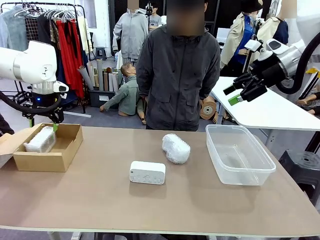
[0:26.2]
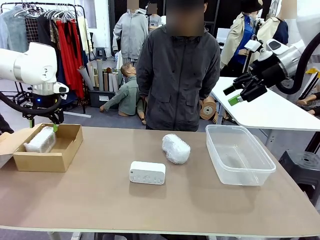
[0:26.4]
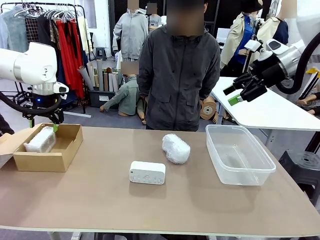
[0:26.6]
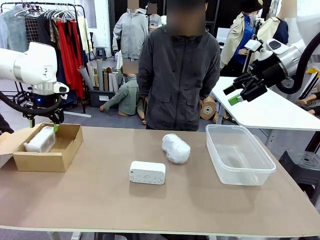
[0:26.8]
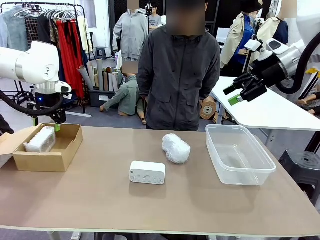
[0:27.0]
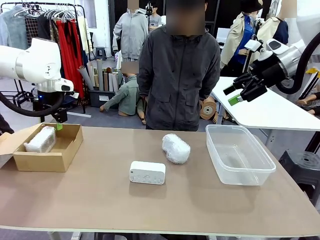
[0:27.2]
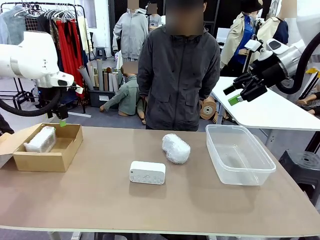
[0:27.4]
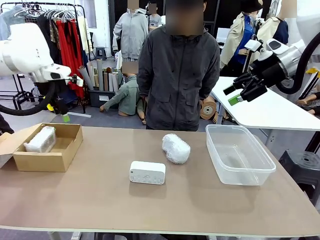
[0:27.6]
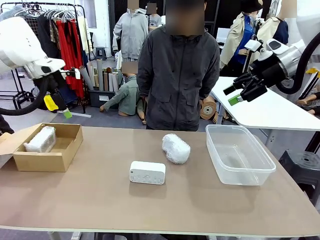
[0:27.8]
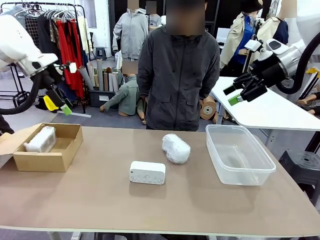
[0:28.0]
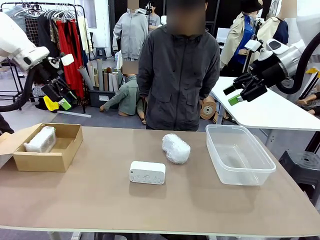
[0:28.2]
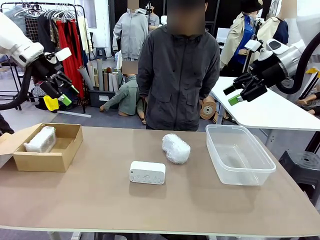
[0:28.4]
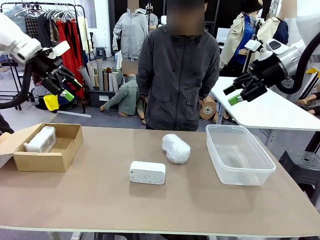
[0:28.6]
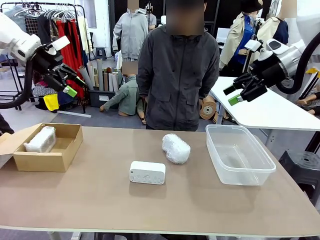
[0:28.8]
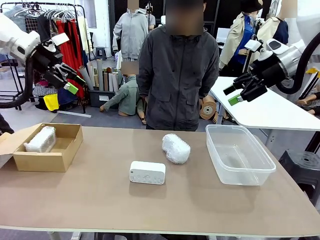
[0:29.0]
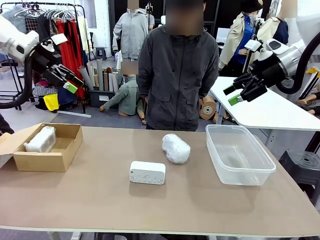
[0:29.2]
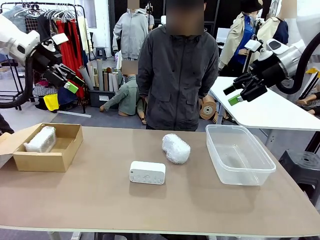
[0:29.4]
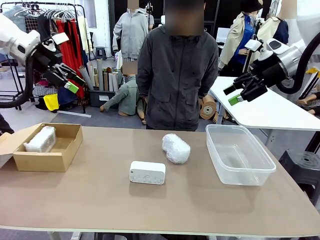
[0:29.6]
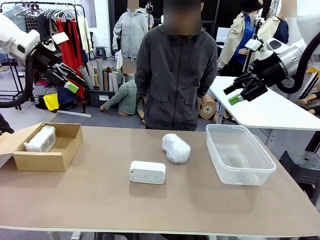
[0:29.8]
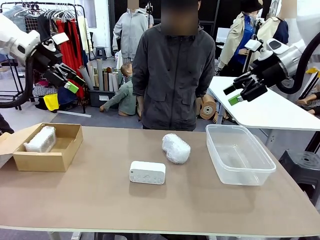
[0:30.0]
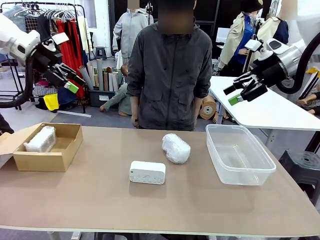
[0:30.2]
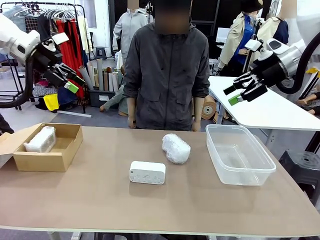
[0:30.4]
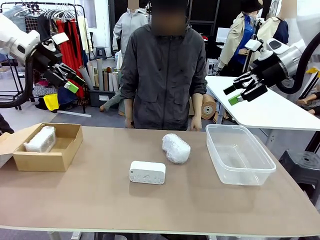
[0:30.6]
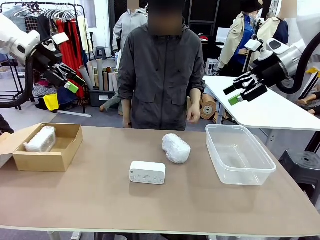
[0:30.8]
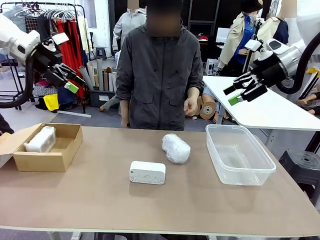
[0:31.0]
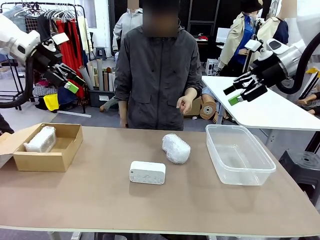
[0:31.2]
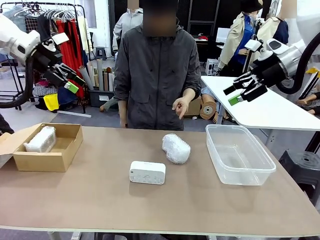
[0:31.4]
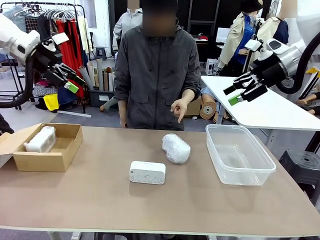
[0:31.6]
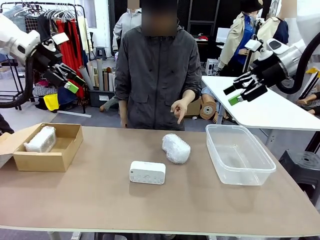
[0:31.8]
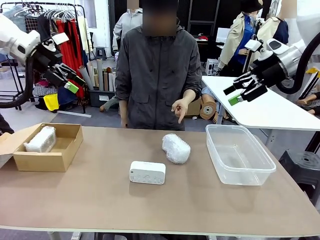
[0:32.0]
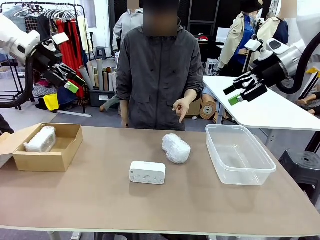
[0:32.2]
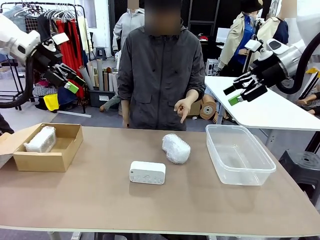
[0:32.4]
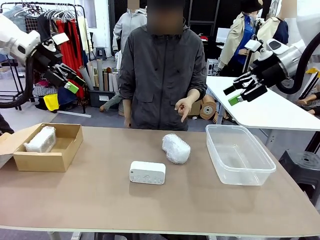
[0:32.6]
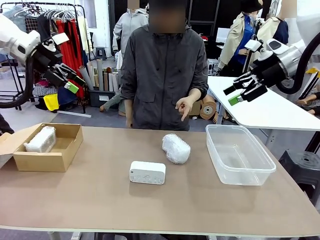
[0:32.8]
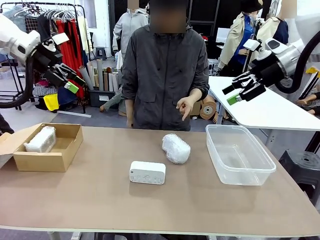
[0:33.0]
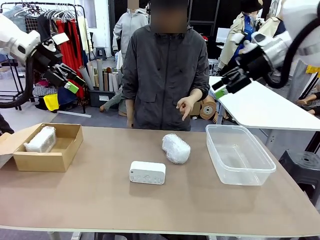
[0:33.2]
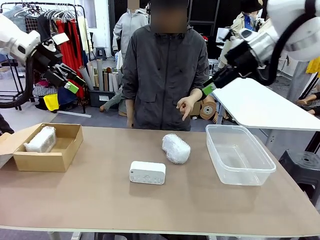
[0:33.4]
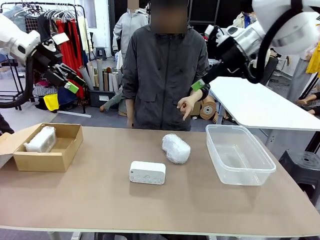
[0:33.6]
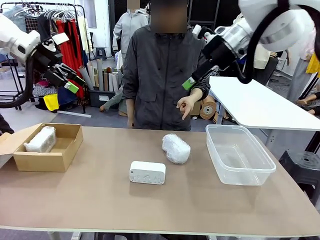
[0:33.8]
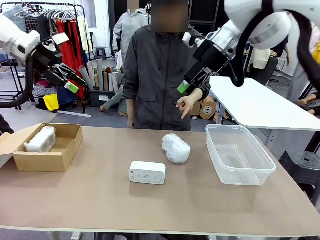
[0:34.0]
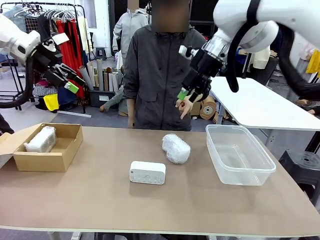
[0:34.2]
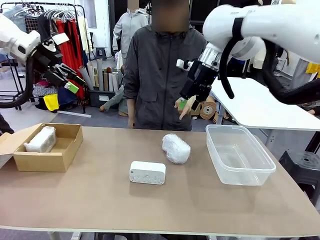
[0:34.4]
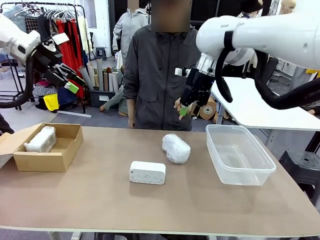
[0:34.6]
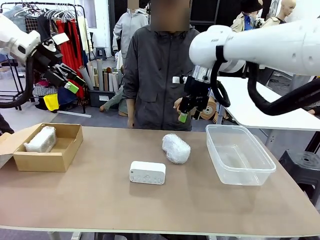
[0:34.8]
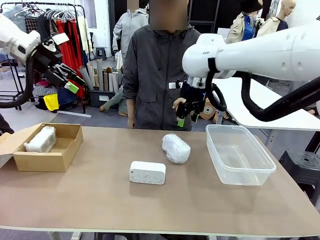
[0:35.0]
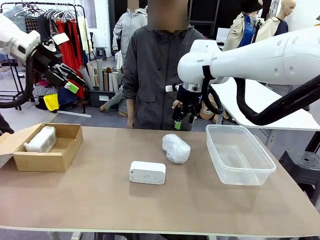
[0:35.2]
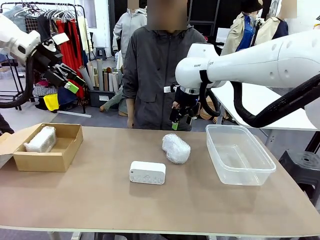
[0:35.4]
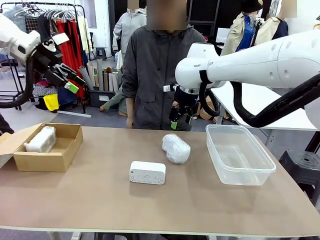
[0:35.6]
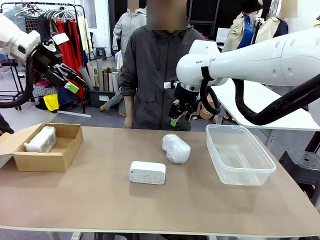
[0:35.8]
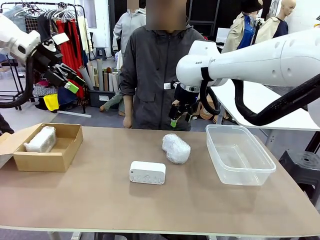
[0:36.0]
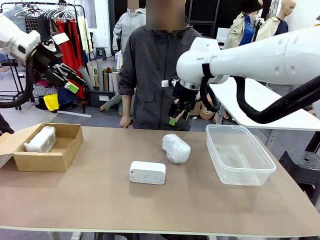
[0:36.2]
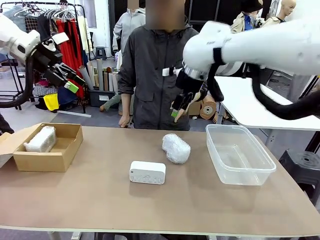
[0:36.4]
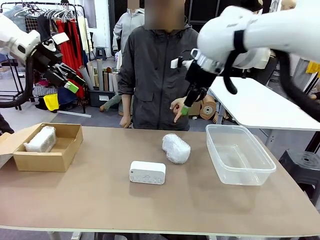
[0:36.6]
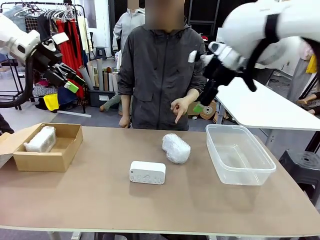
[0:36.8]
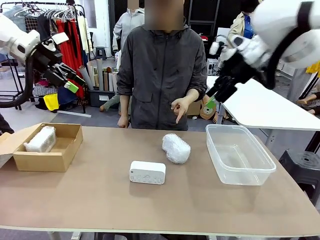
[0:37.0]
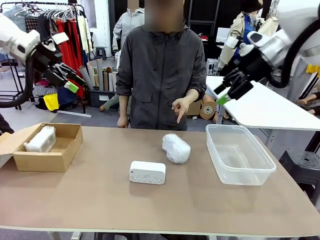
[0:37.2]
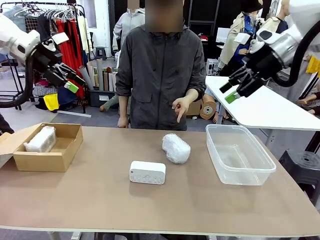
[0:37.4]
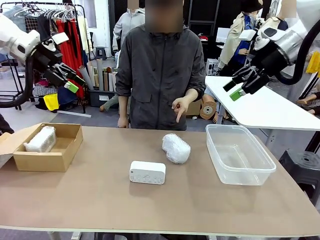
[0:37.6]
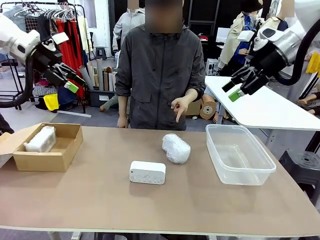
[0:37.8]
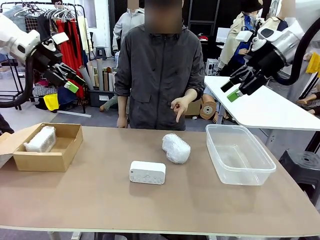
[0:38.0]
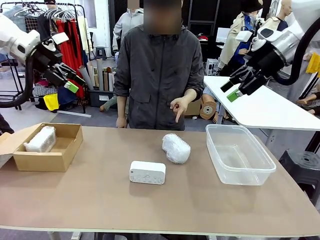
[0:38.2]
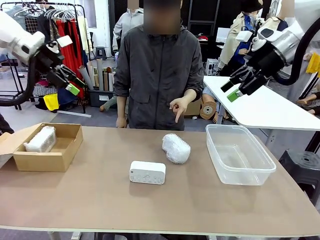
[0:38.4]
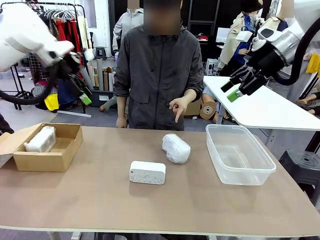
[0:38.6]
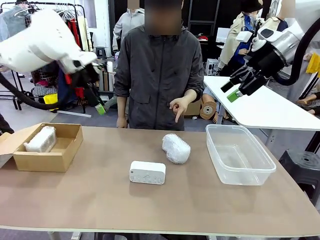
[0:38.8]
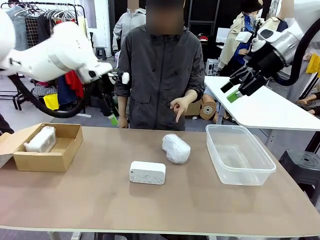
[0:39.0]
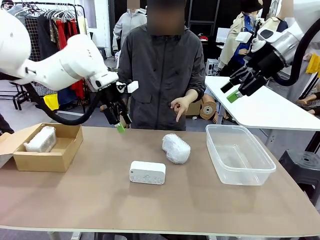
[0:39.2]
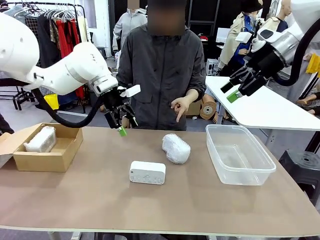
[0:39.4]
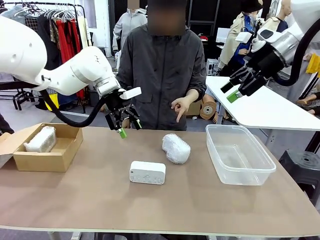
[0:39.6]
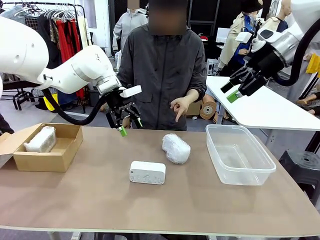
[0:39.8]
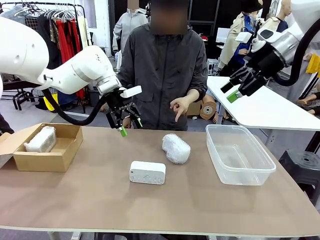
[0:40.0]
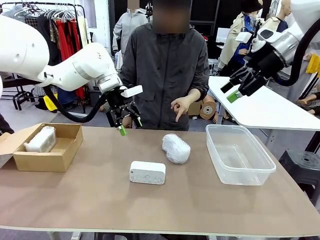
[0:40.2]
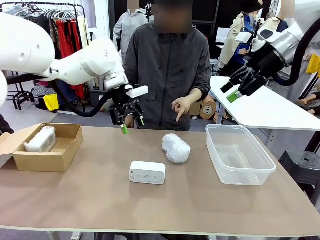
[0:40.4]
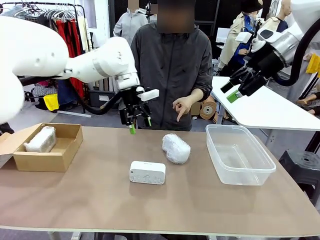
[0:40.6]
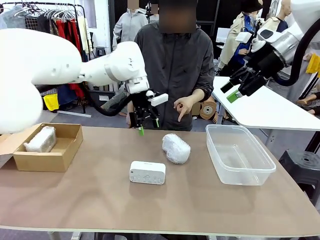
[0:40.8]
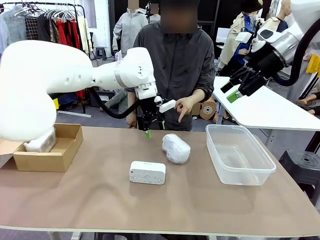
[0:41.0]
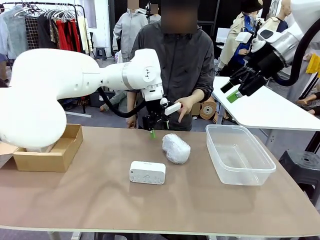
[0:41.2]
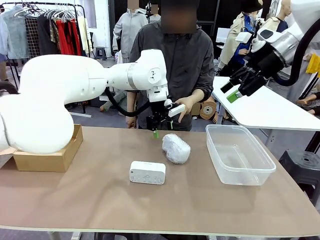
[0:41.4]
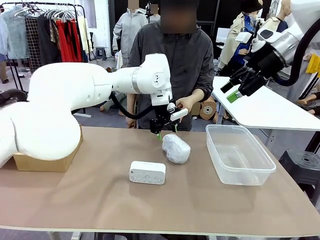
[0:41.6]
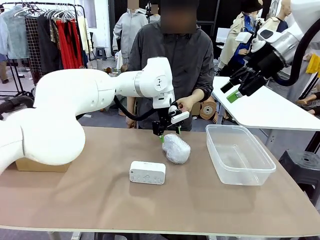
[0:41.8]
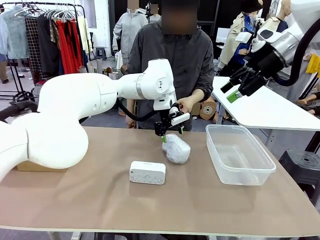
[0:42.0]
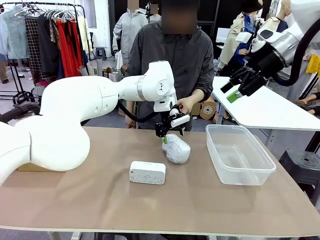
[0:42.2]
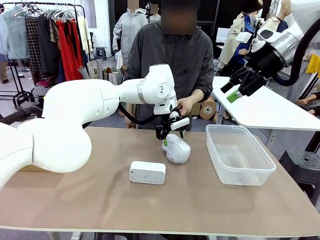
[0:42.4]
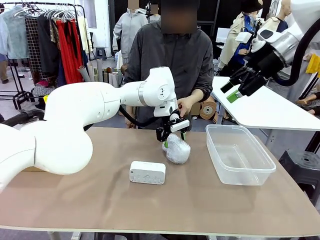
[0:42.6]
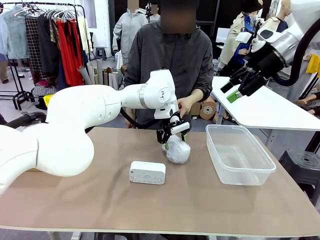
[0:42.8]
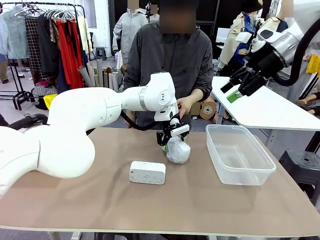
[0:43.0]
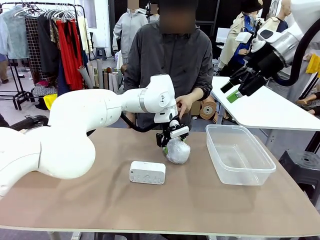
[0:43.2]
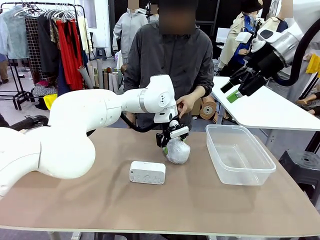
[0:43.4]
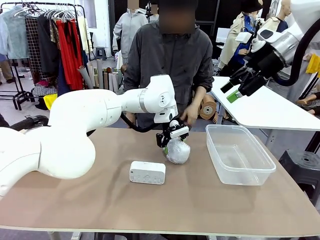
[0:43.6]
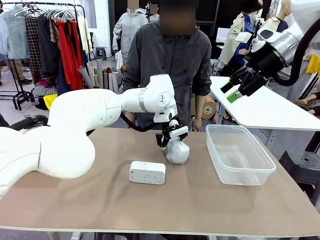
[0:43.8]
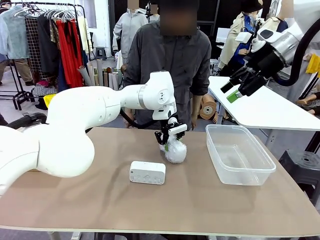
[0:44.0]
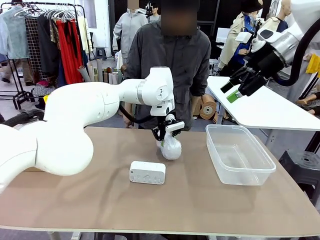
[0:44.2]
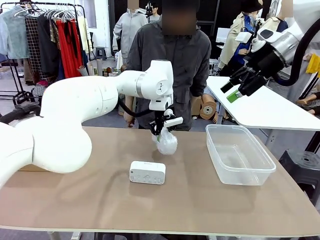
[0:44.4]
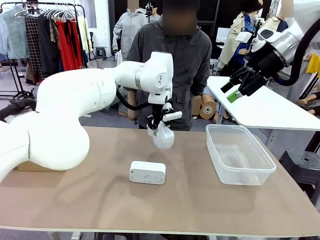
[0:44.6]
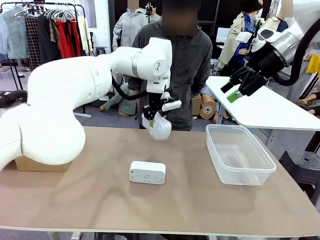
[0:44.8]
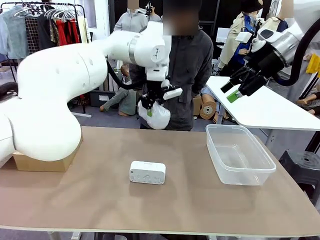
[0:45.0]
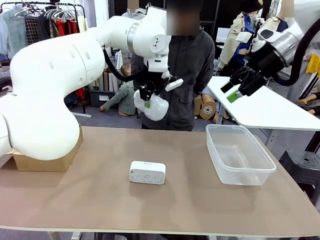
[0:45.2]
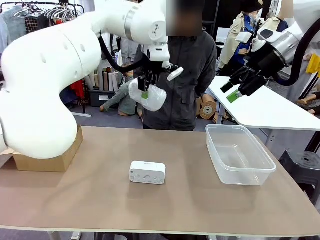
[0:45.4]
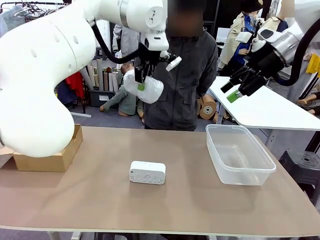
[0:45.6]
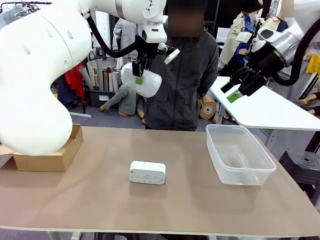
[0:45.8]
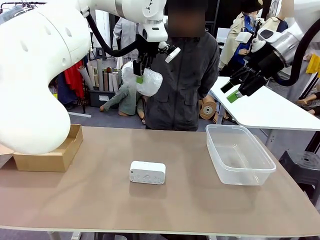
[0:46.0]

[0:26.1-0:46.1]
Task: Separate and place wrapped and unwrapped clocks.
Robot: Pick up the Digital clock indicated by the person.
